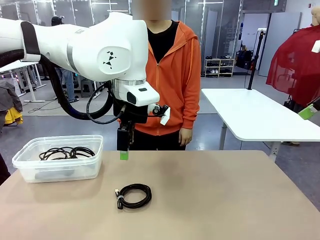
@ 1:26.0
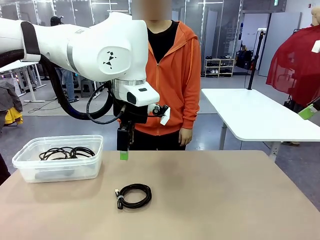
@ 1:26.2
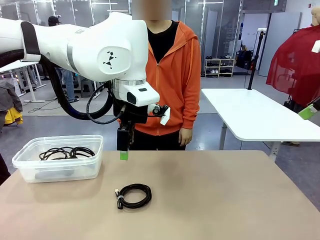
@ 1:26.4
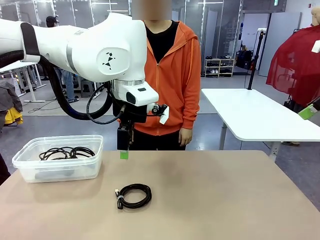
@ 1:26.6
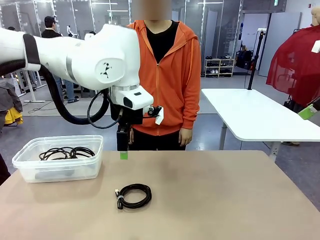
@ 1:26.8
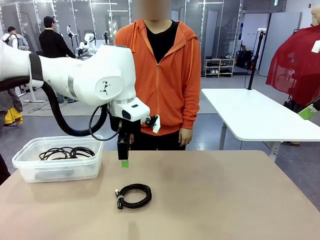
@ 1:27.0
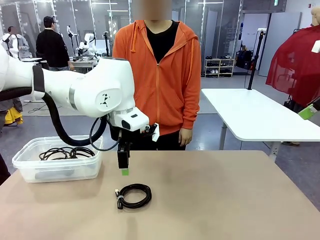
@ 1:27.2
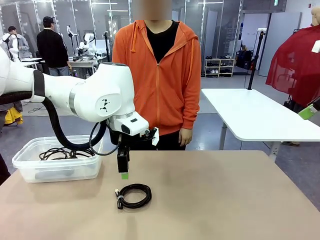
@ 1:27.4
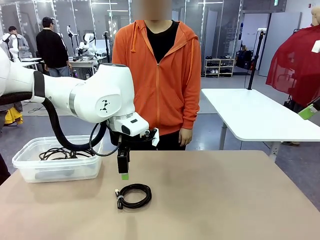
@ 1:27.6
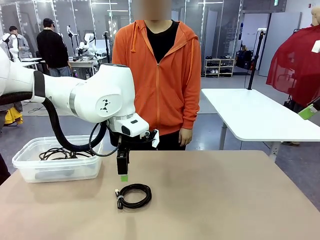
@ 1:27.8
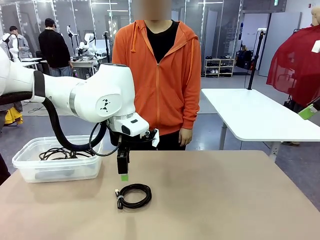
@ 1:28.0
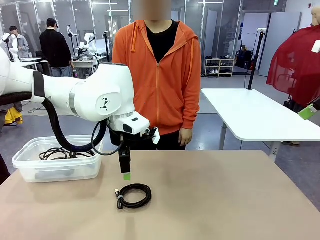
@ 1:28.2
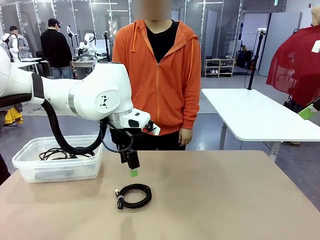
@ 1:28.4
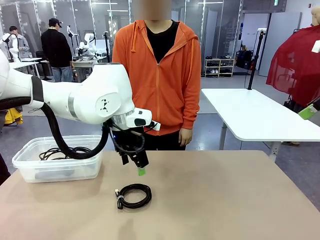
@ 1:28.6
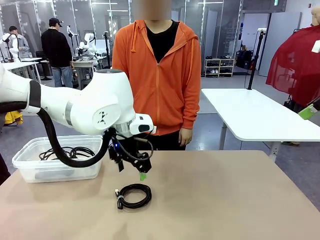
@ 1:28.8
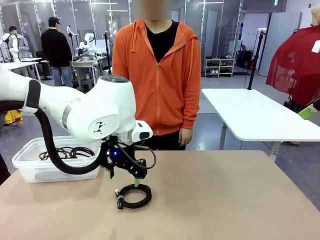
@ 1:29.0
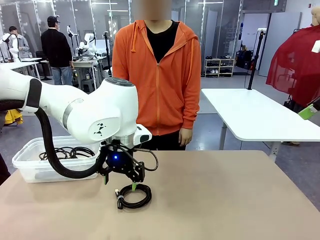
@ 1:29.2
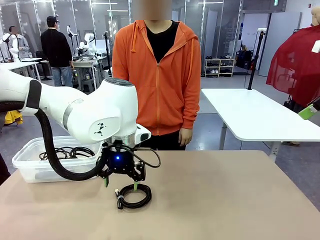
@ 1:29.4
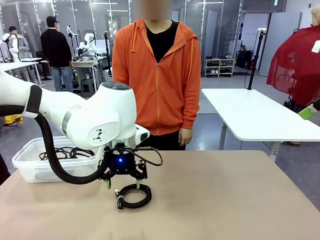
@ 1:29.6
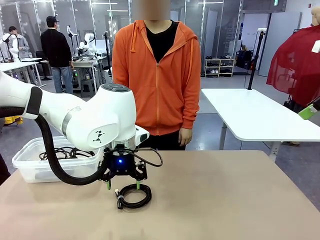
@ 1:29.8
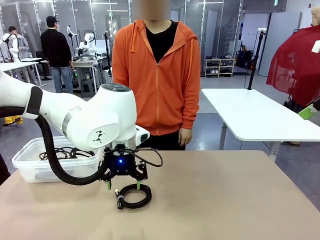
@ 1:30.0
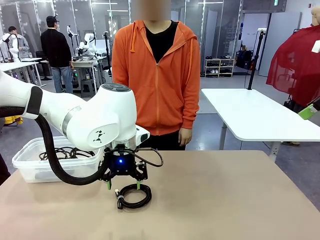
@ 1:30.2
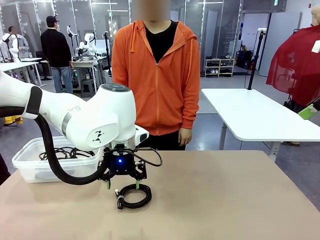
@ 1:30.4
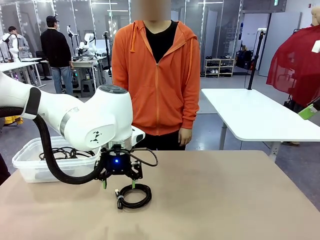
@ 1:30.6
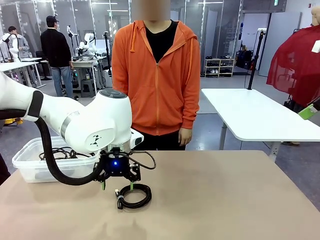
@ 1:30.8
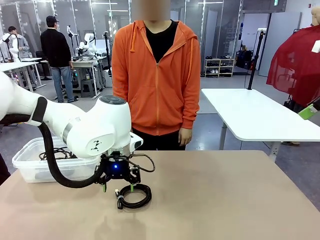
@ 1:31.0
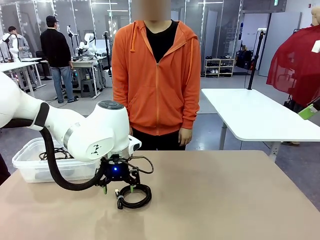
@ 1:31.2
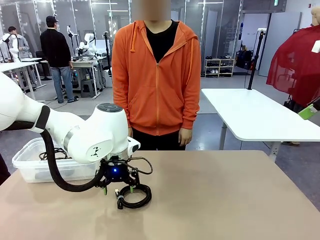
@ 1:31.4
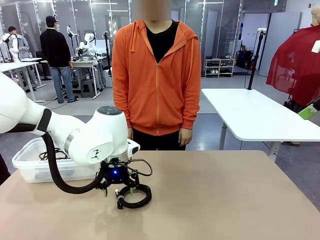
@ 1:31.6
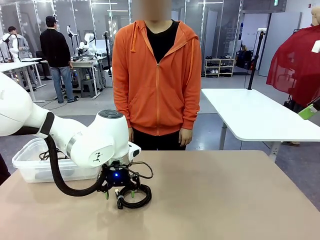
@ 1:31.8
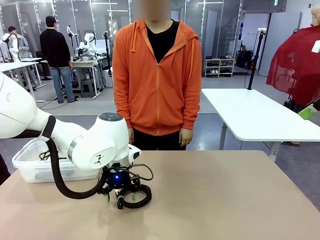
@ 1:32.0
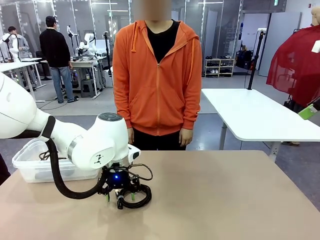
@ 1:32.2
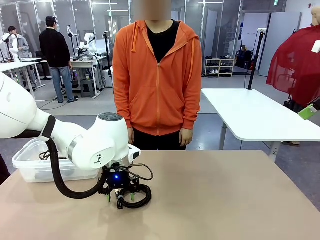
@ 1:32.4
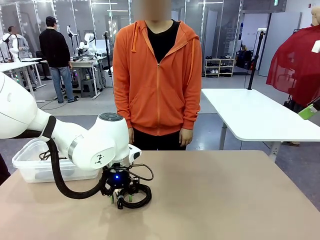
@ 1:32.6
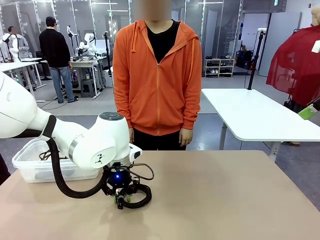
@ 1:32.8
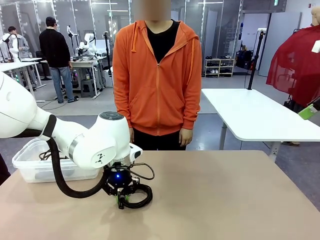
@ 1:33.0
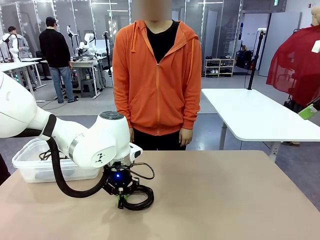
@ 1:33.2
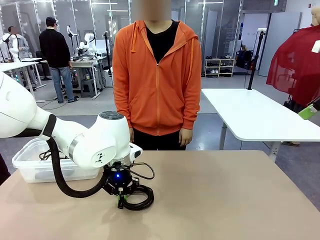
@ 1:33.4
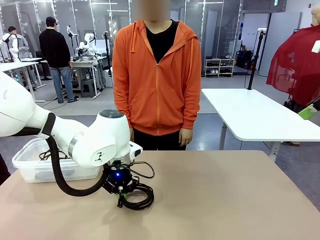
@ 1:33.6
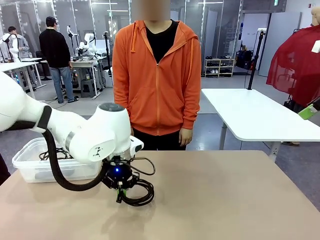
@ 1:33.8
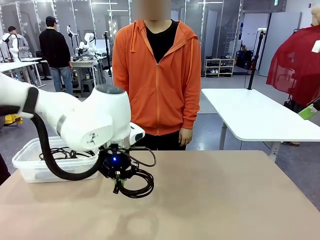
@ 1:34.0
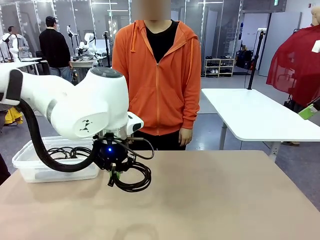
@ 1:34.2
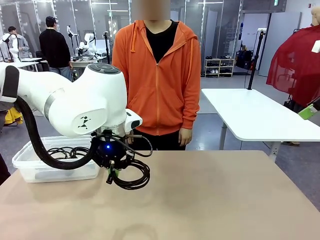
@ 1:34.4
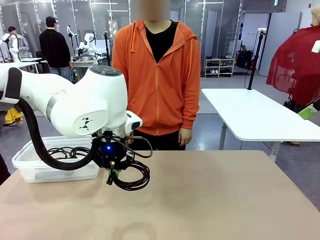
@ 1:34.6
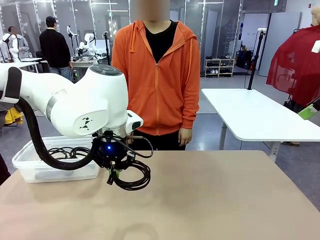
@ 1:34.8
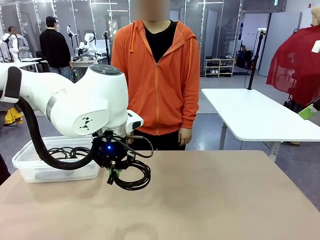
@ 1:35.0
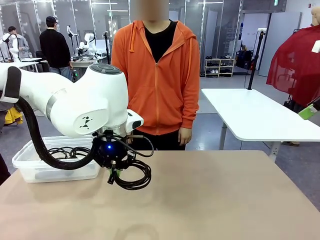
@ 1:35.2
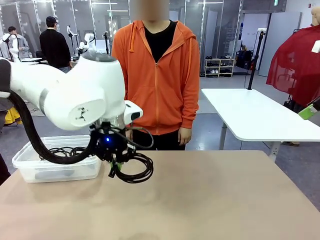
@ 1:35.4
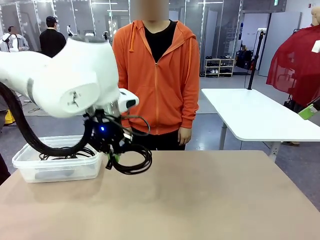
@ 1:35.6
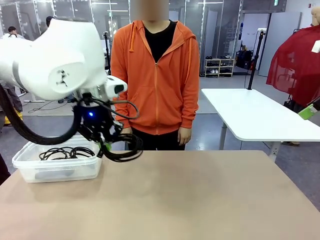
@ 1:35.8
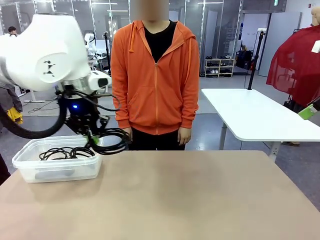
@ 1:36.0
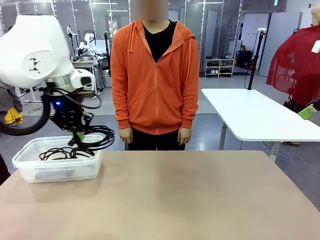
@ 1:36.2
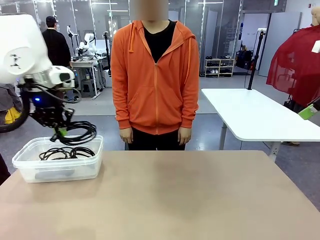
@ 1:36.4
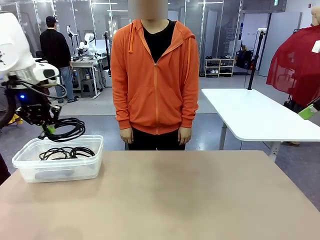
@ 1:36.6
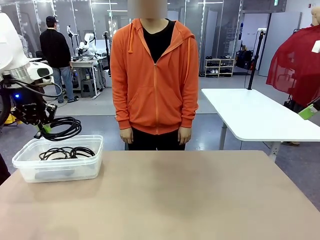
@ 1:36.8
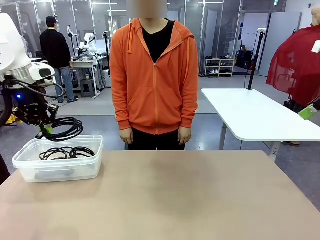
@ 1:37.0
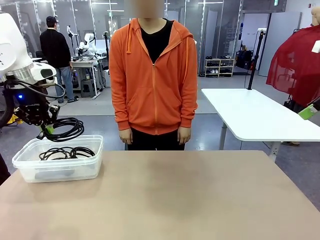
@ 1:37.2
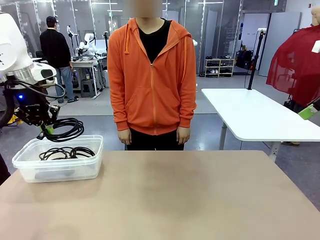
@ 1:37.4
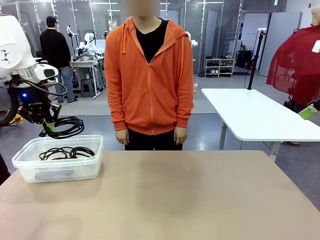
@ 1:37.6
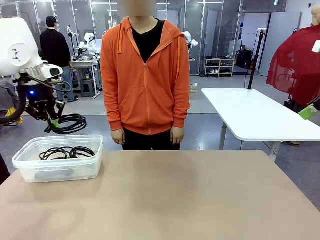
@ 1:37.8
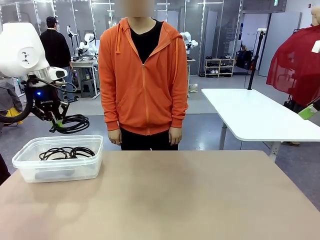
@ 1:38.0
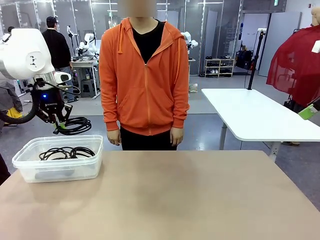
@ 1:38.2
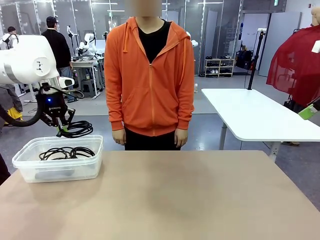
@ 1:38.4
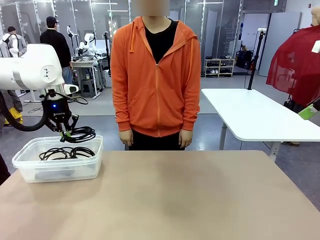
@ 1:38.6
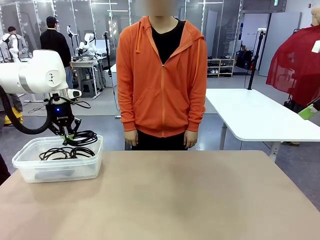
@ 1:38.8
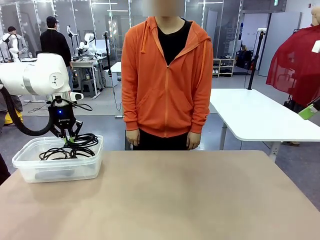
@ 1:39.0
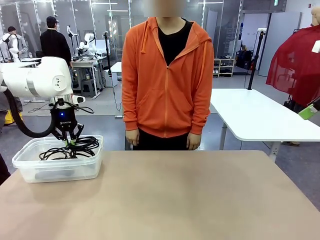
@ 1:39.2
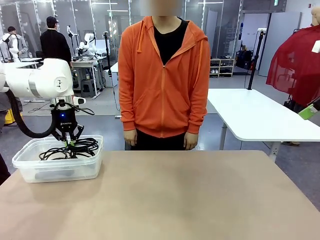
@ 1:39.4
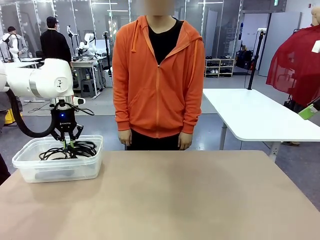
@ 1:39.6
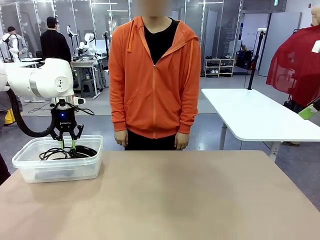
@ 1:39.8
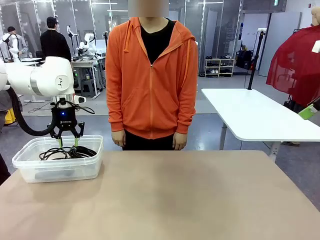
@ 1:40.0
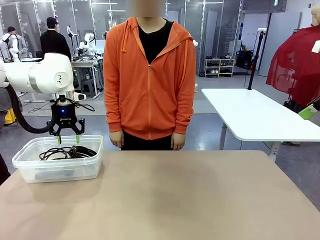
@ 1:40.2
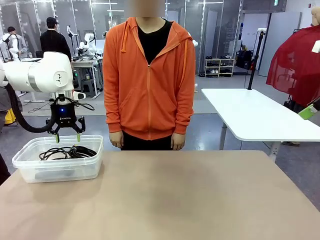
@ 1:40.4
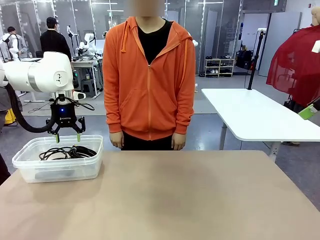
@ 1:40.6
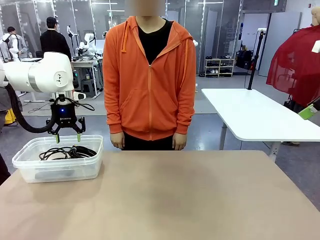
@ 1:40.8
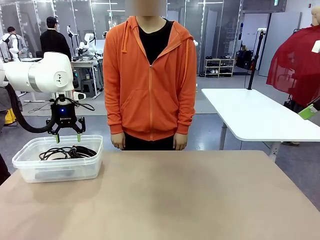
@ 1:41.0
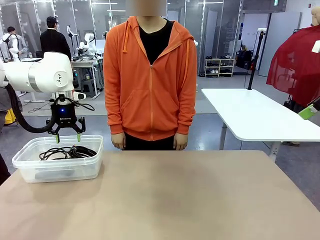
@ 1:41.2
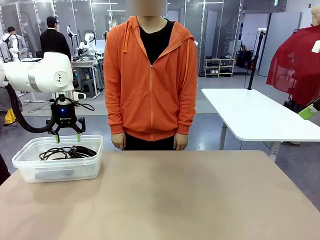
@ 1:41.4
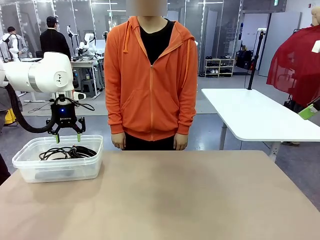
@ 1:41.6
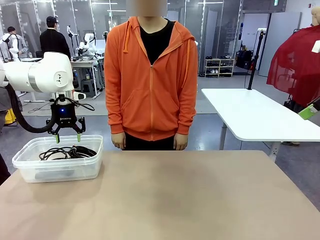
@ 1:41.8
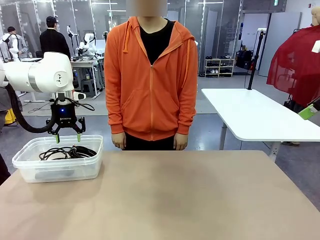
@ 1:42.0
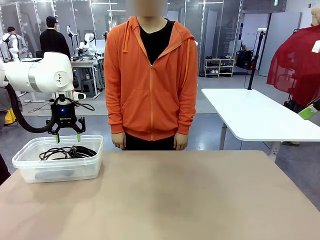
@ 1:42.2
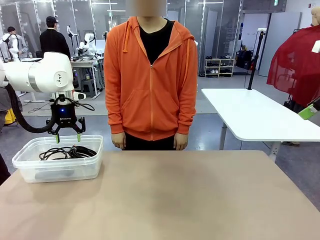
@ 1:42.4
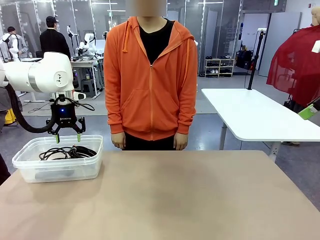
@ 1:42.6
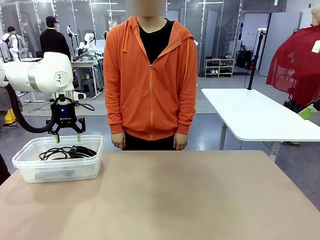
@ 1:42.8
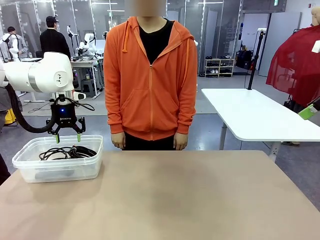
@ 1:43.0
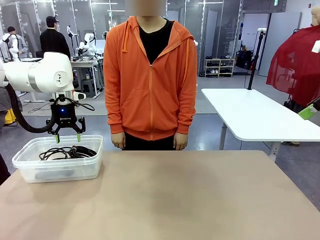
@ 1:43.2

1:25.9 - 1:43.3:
Task: Organize and store the cables.
Robot: Place the USB Extension Cable into the Organizing box.
